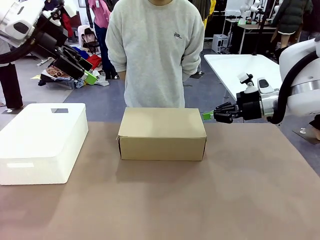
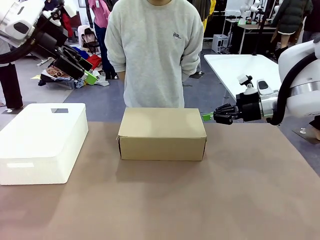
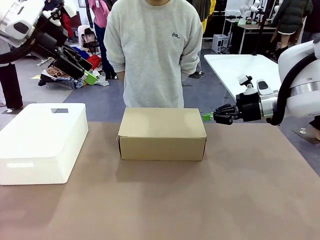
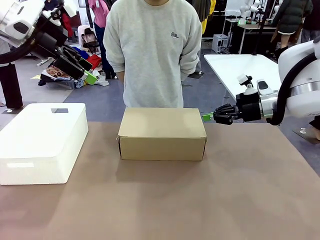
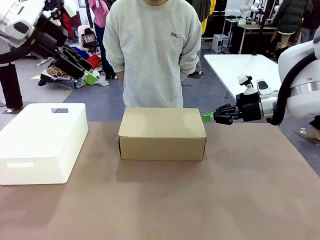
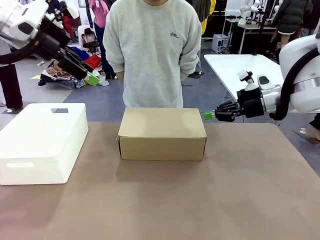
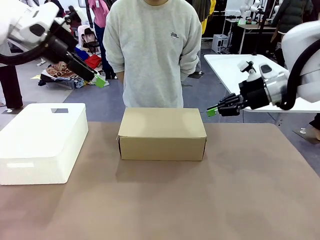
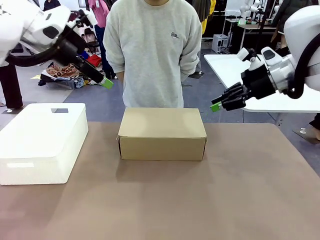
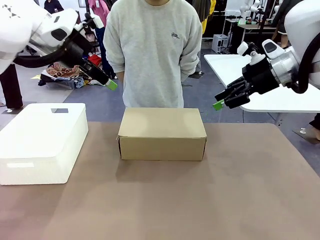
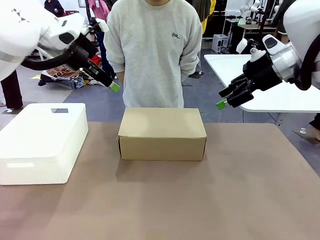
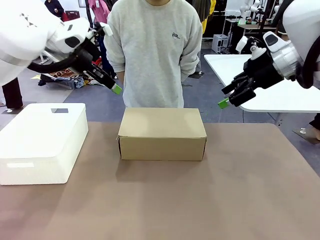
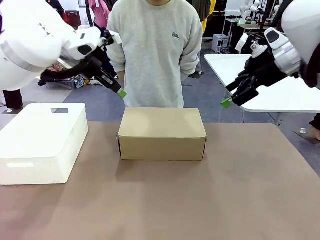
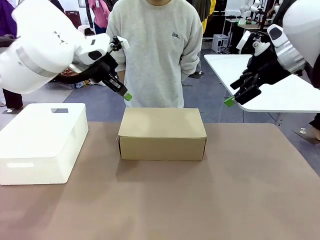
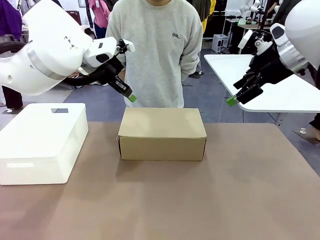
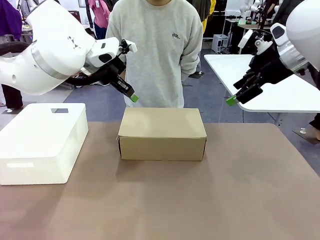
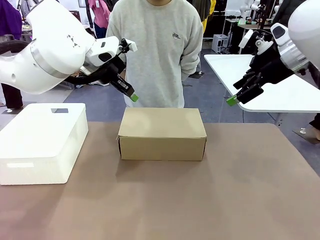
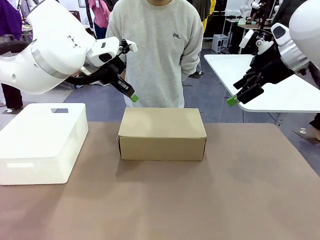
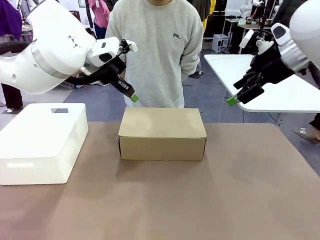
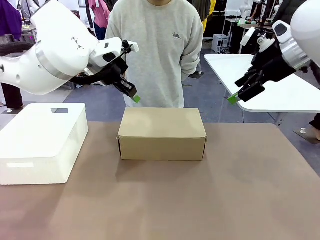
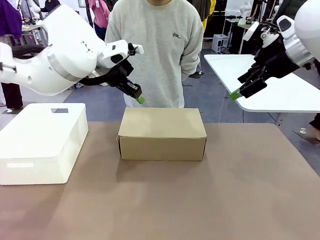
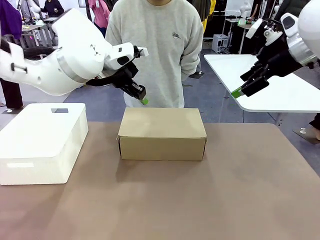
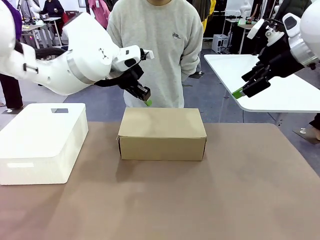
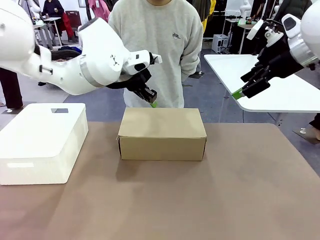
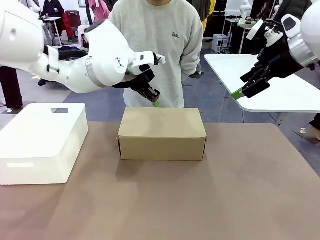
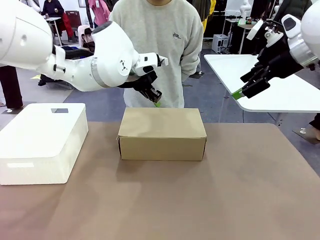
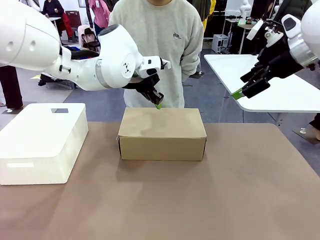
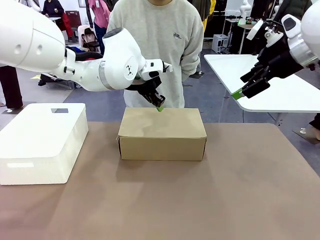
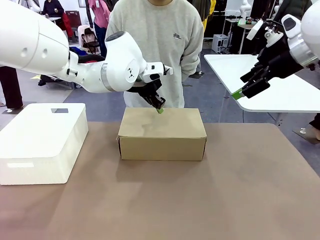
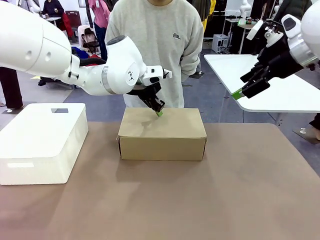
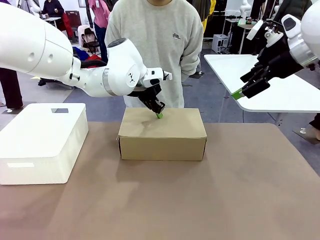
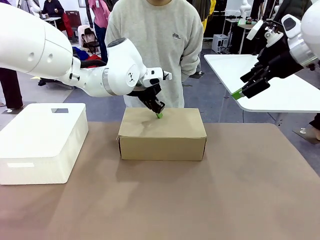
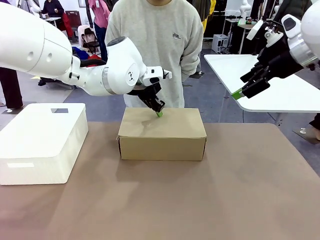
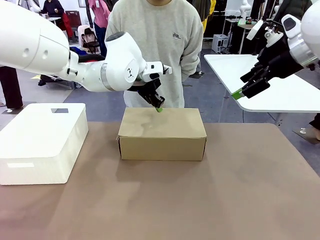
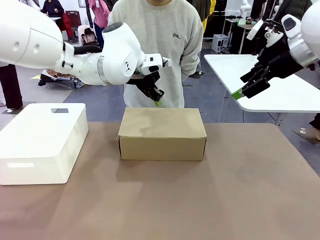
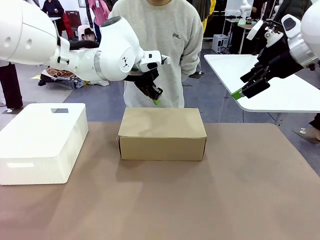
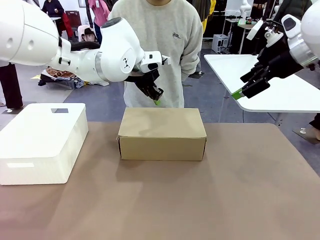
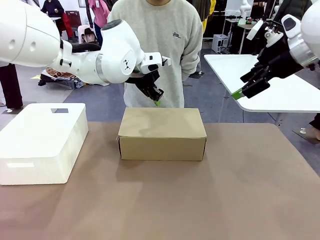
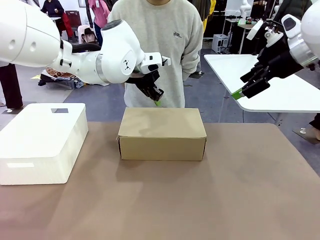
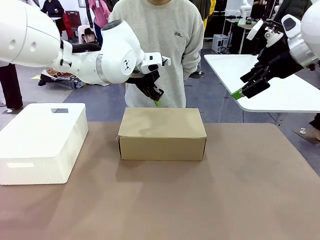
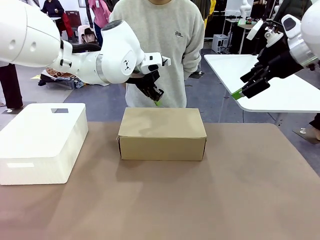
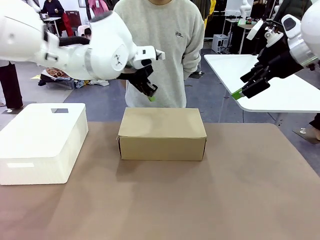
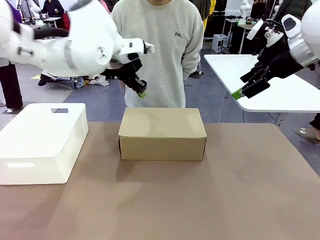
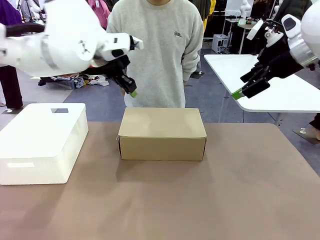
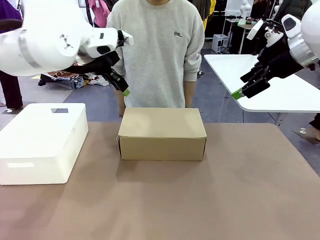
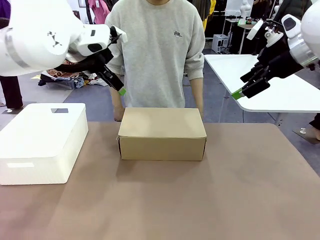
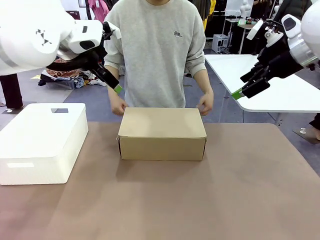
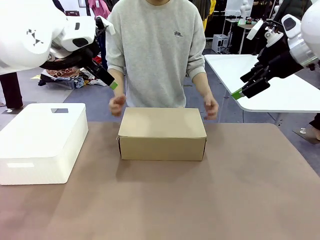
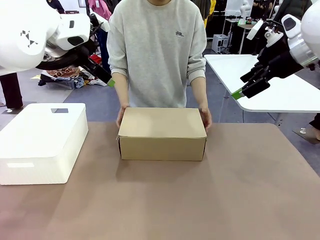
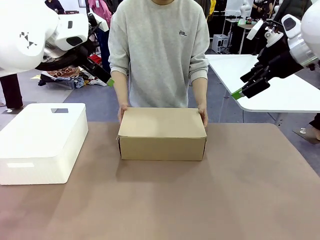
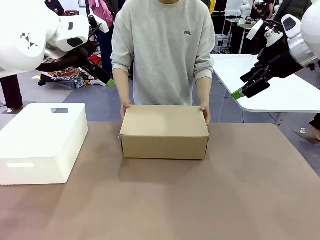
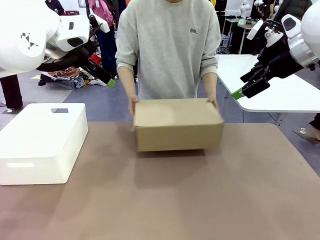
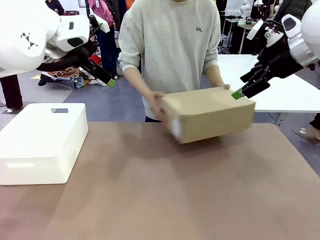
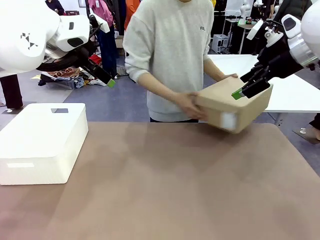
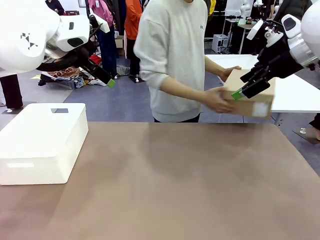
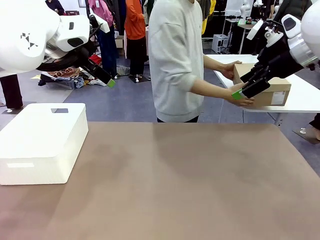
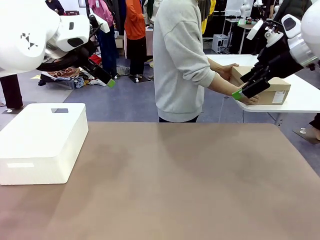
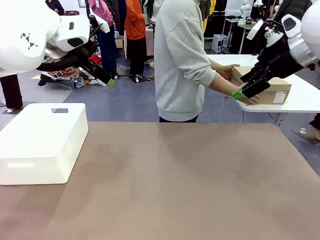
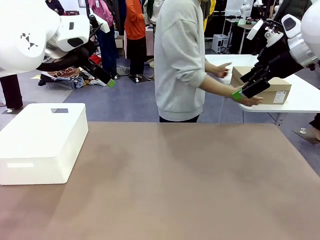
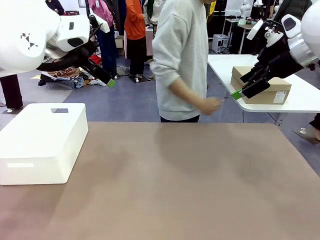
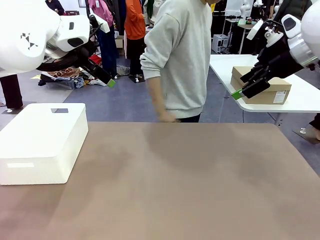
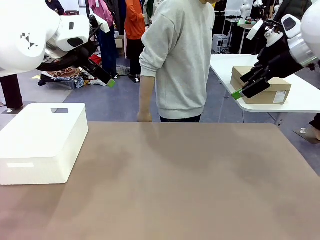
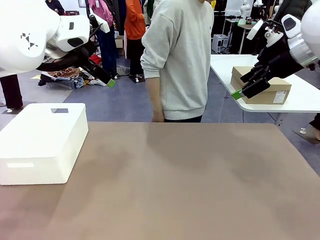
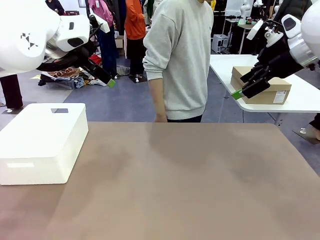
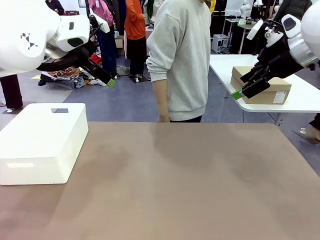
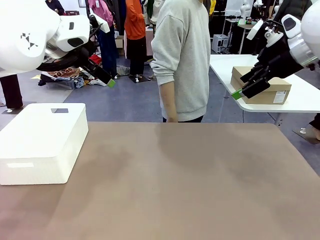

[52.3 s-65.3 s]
Task: Pack the shoes into the box.
Robot: Press down on the lid of the Shoes Box.
Person: Place the closed Shoes Box to the right side of the human table.

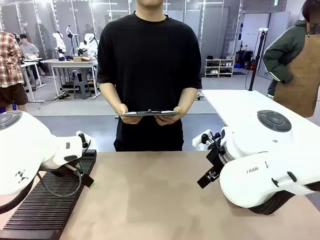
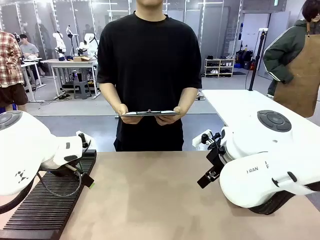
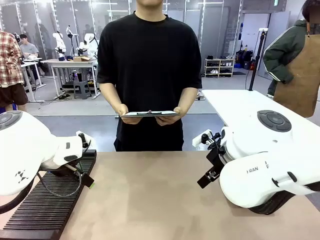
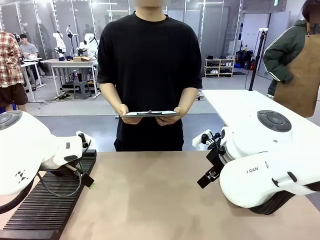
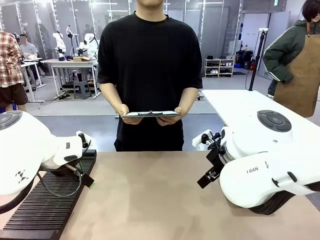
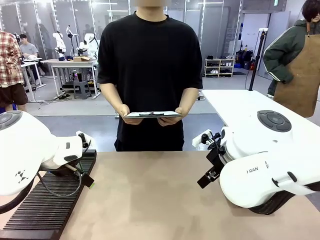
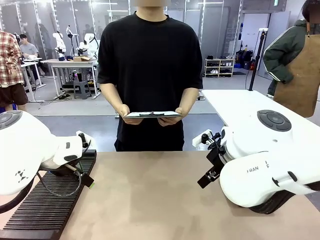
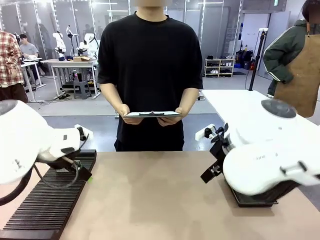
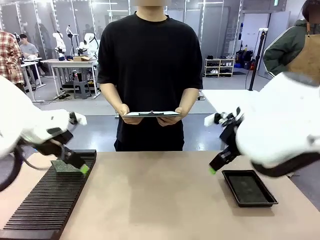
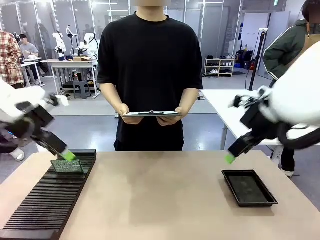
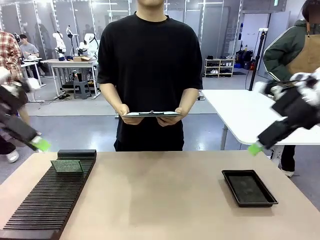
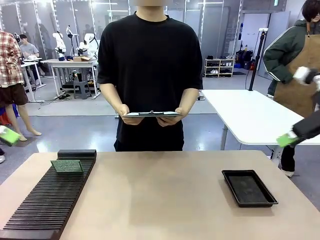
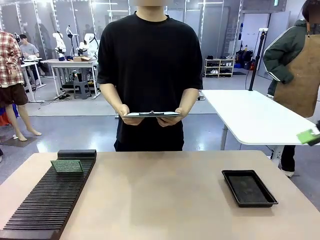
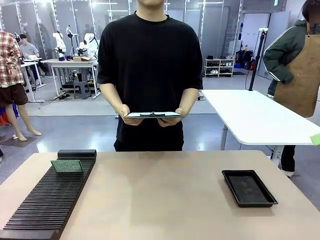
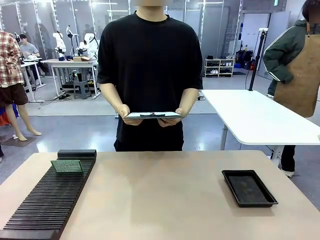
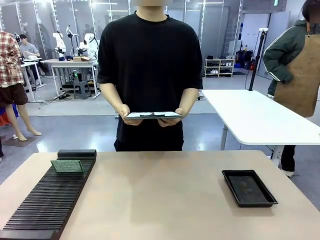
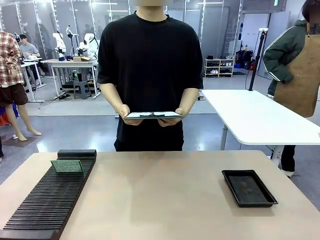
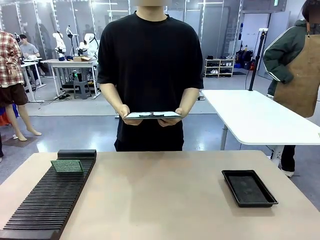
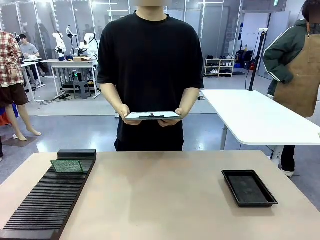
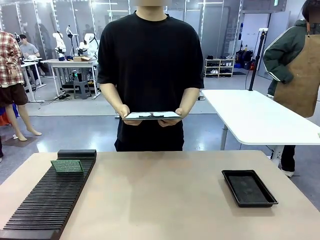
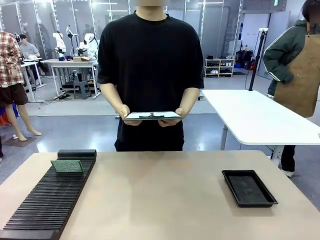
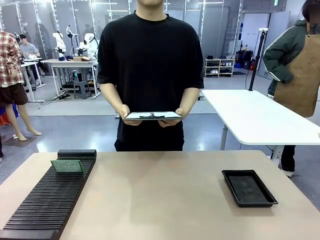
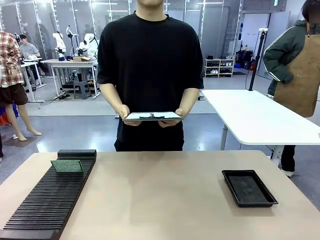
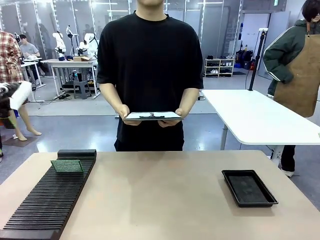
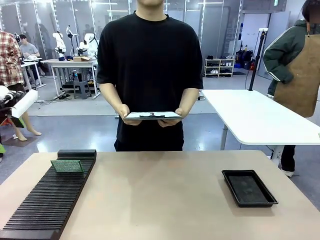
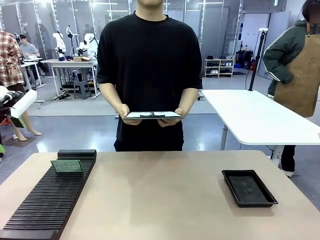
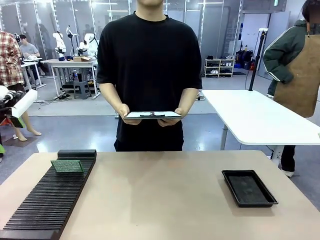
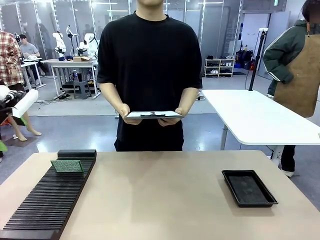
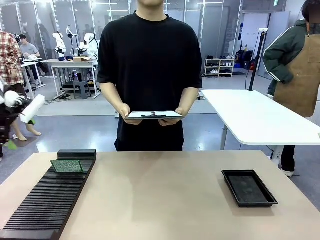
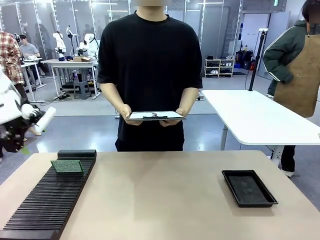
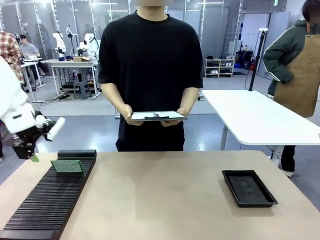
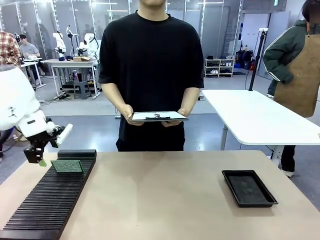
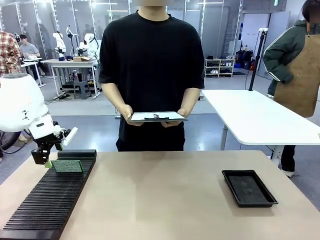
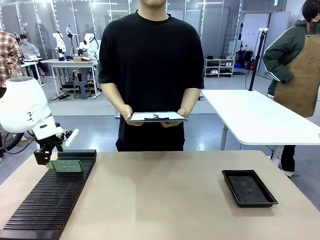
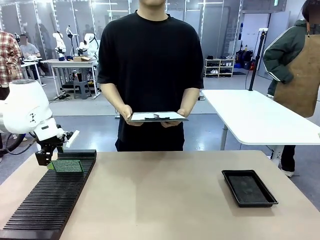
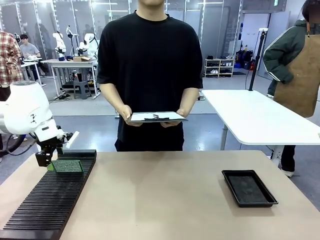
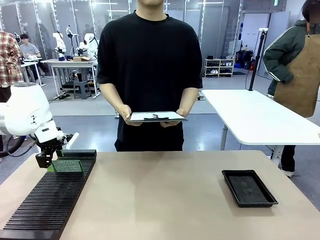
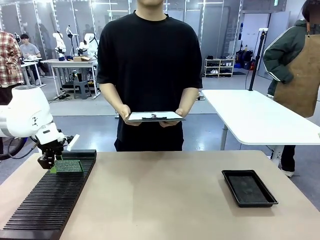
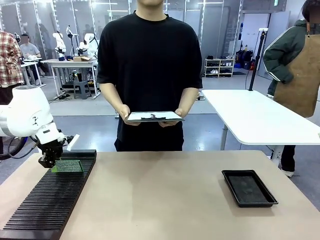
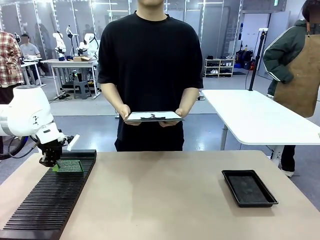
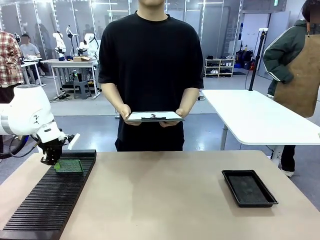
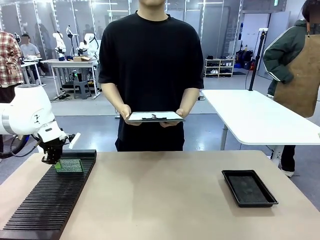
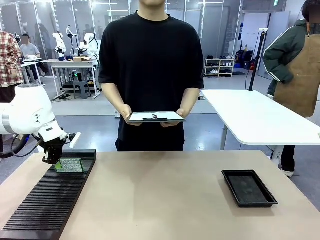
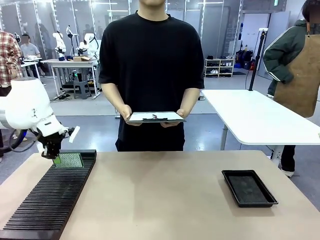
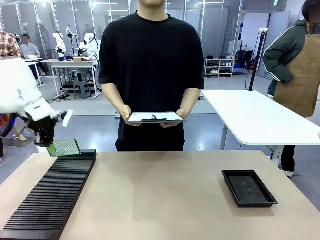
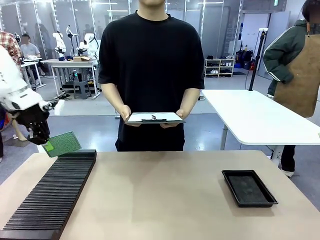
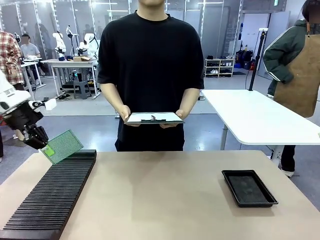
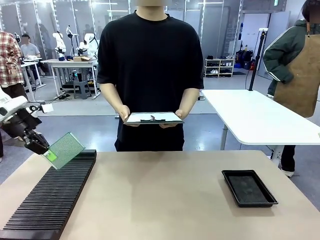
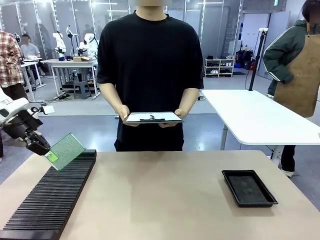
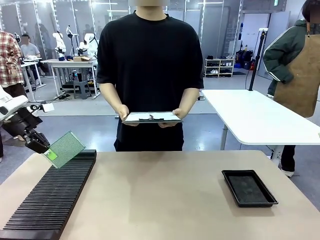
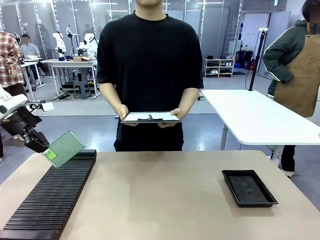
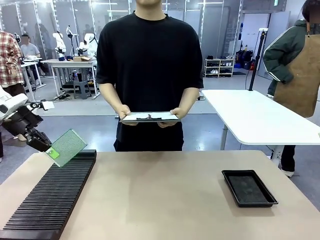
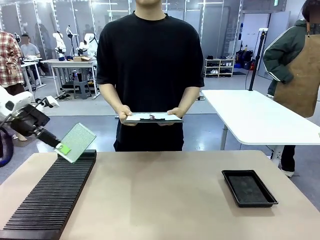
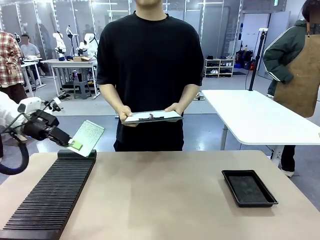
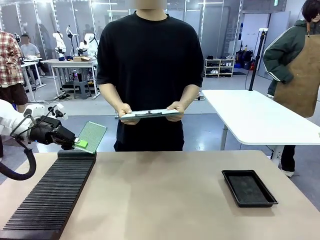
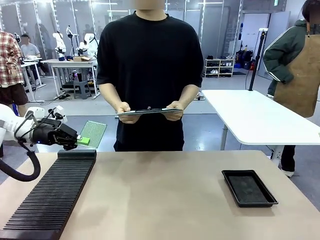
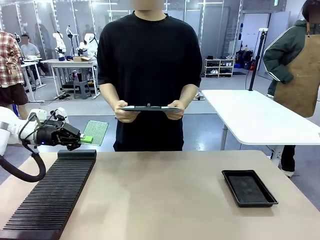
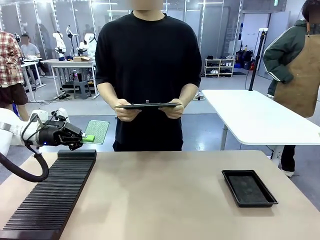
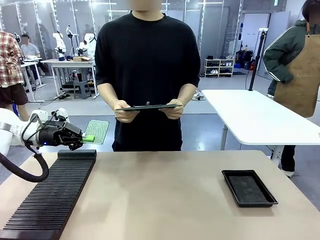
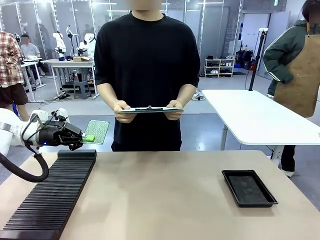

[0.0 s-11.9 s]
Task: Inspect the PCB.
Robot: Pick up the Blank PCB and present it to the human.
Person: Pick up the PCB presented by the robot.
